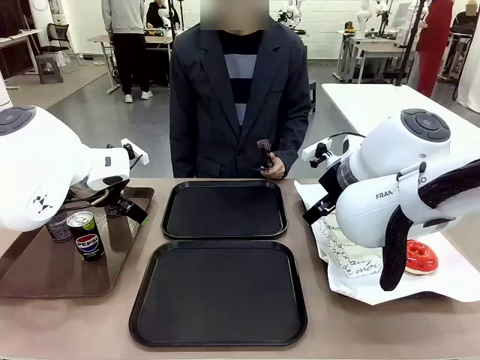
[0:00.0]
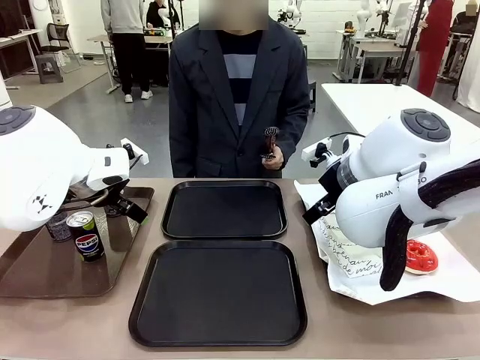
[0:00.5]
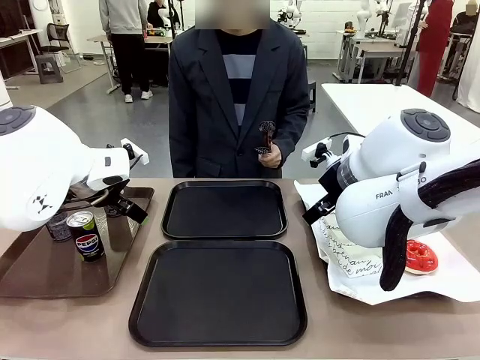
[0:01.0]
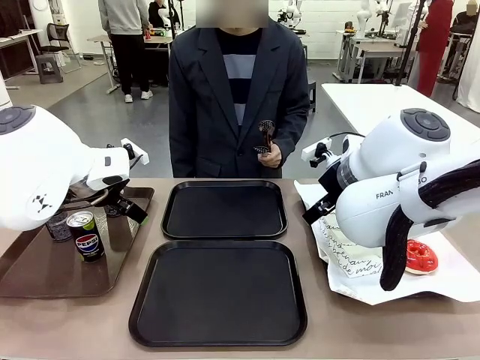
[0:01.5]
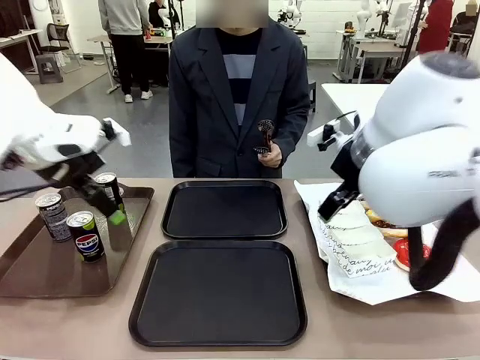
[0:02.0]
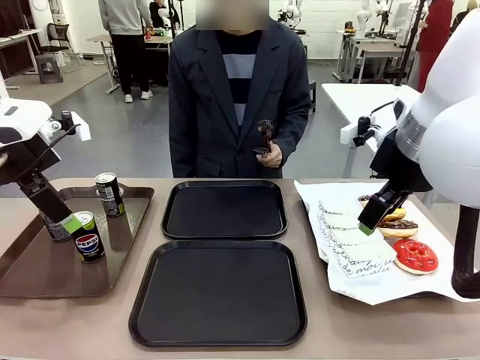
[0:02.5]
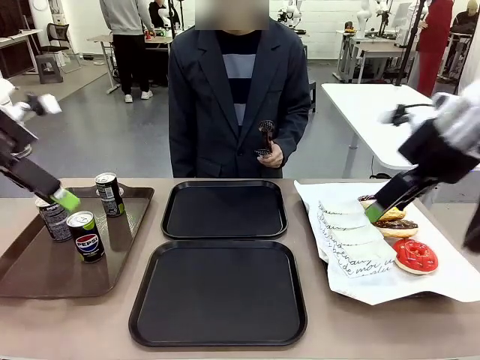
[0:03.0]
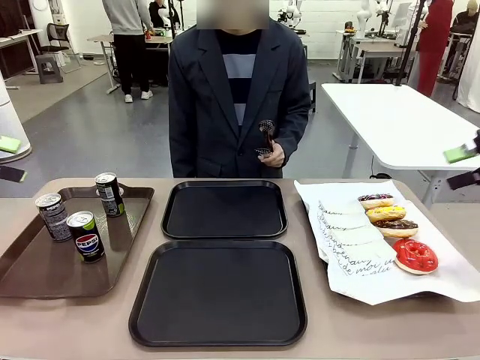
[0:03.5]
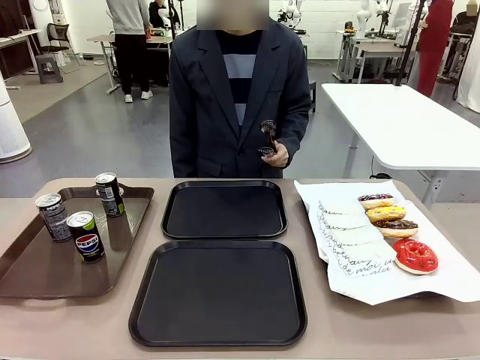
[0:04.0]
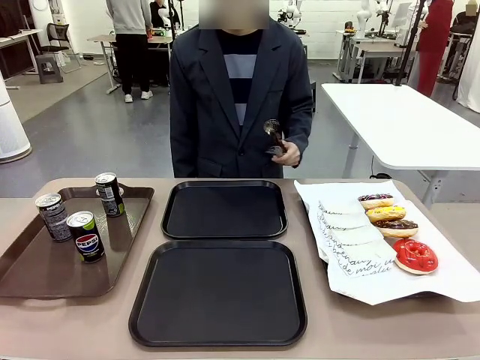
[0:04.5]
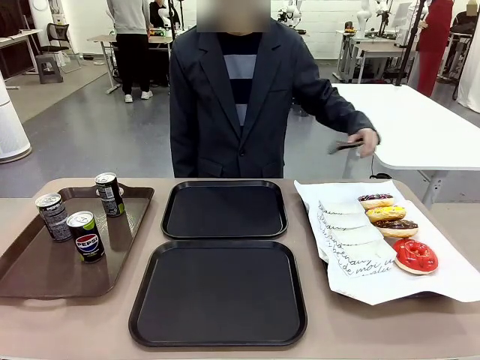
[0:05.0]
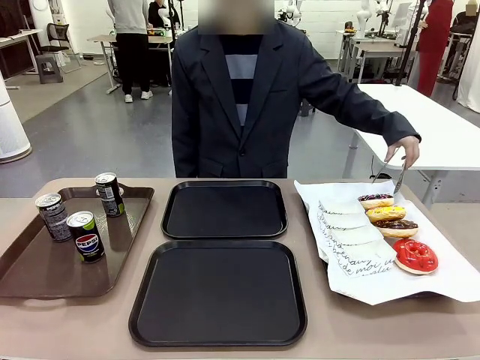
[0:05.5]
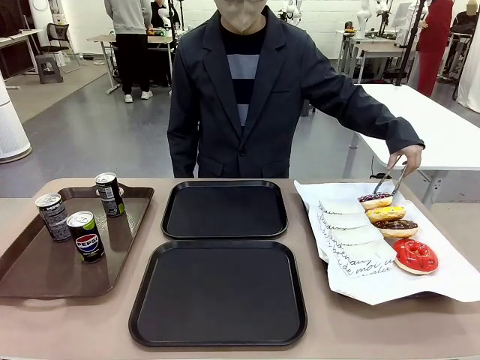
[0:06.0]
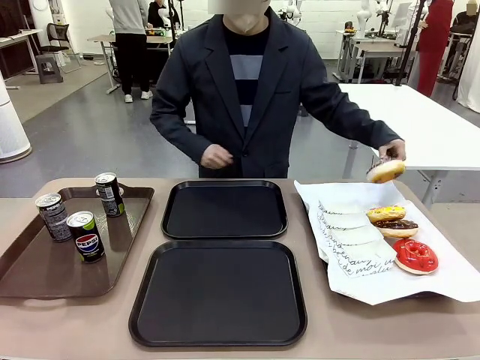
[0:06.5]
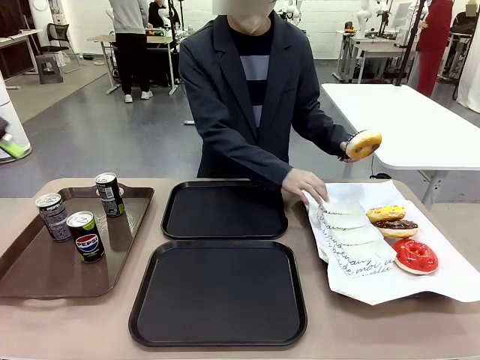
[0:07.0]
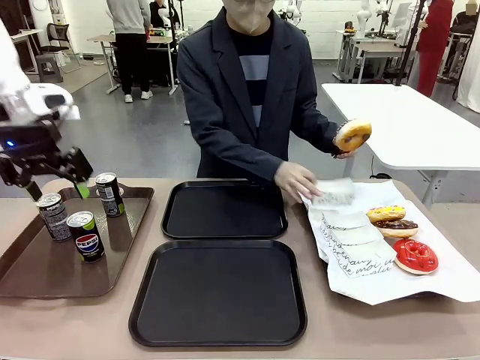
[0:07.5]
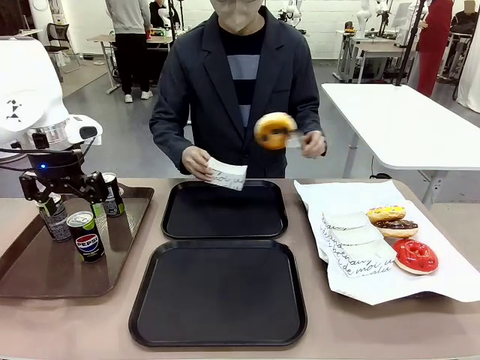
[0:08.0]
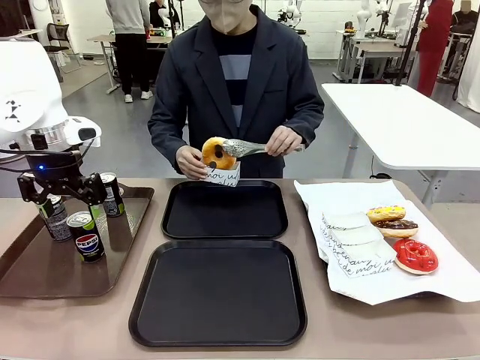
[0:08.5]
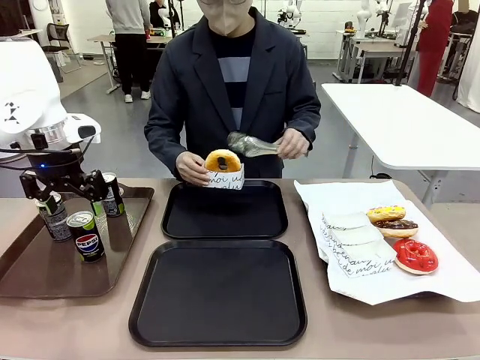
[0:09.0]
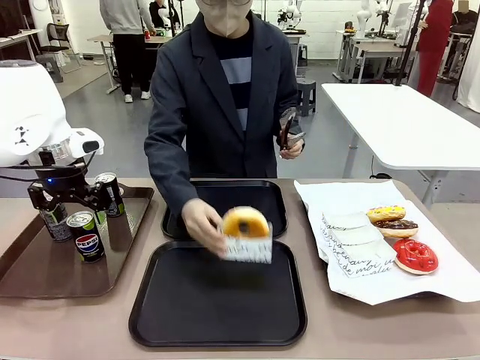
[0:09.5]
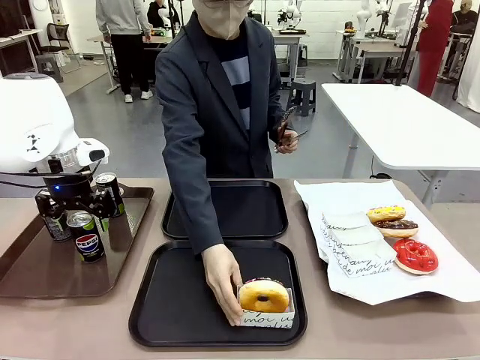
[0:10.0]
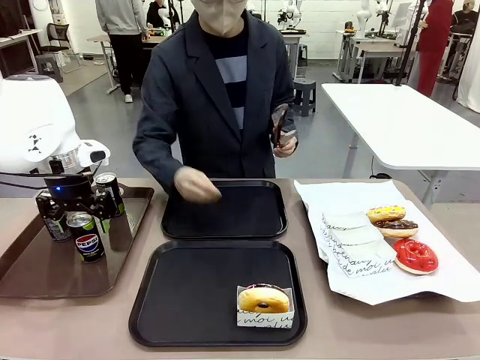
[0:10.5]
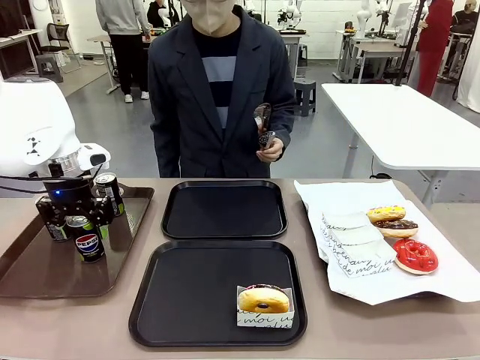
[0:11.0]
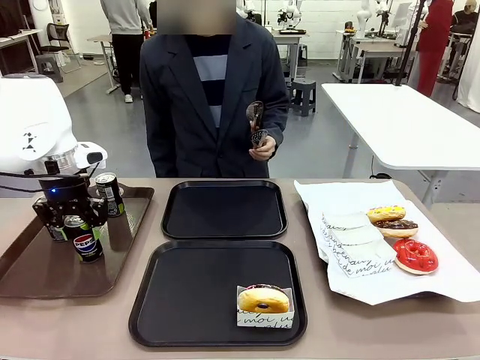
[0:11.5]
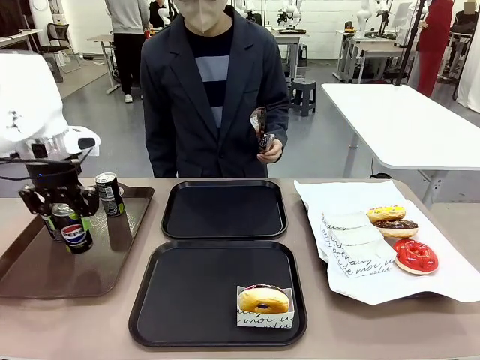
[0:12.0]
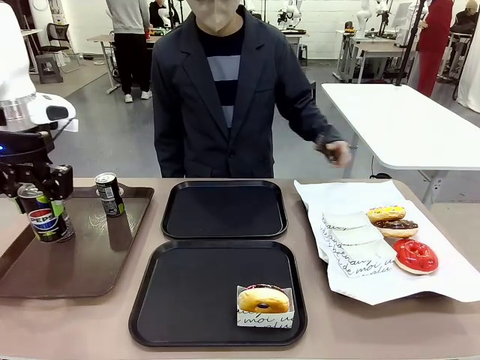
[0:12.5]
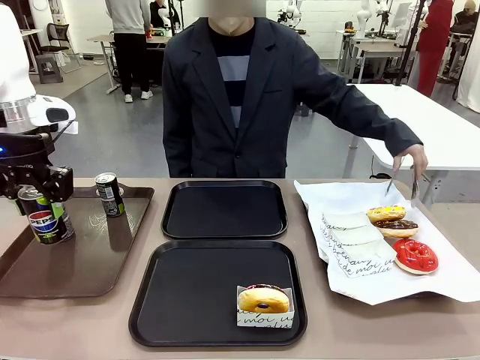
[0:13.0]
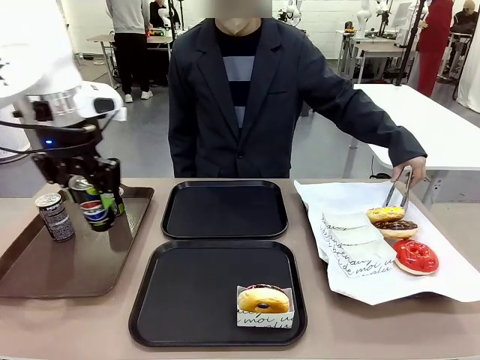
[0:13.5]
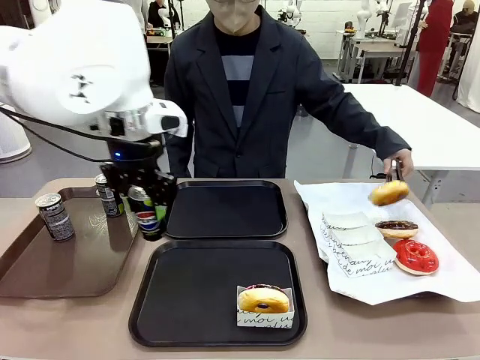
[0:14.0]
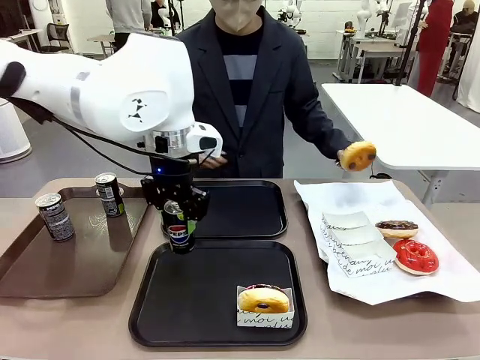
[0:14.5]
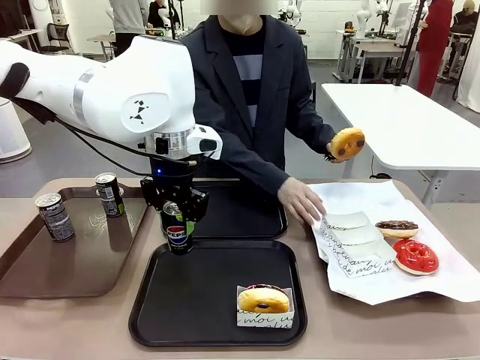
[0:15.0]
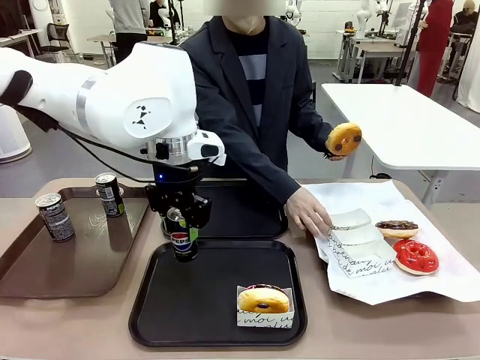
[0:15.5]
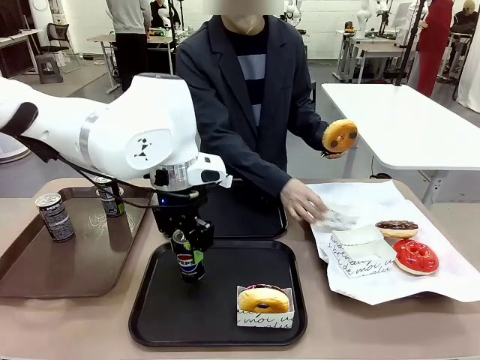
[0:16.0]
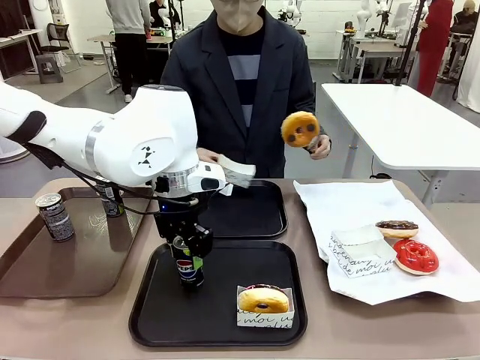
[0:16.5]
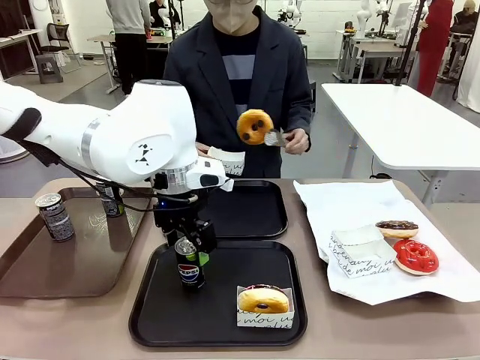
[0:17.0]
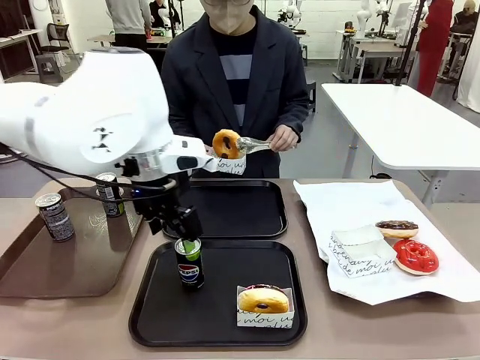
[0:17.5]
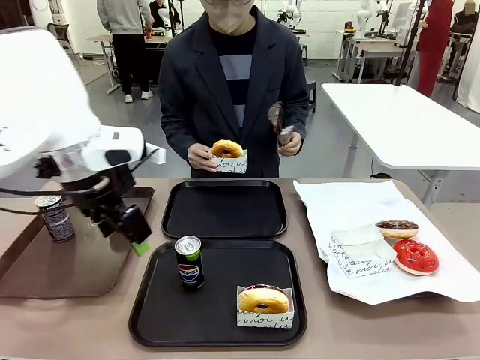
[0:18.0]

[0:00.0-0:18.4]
Task: Set up donuts and drinks on trays.
Robot: Pick up one Pepsi coke and place it on the Flat Tray.

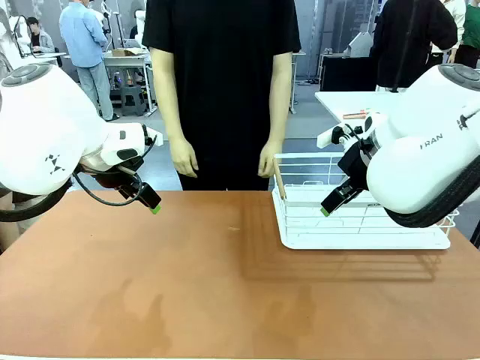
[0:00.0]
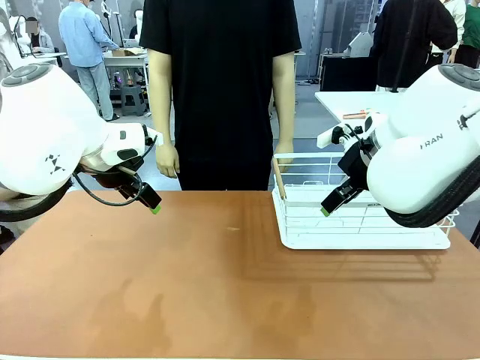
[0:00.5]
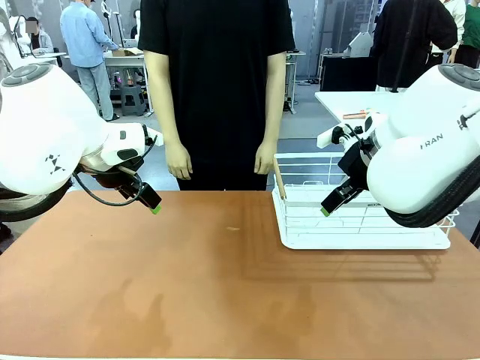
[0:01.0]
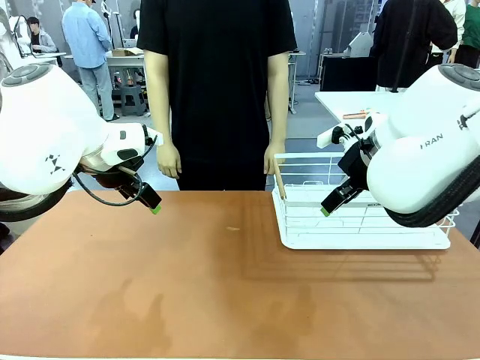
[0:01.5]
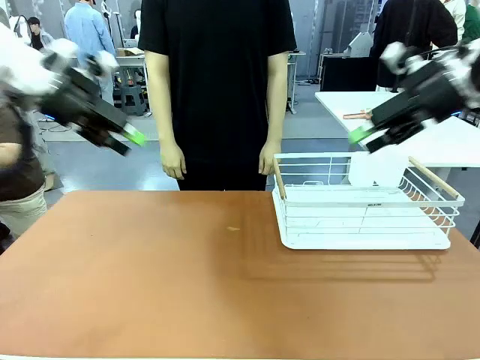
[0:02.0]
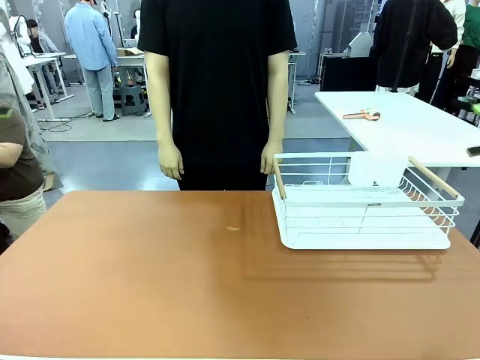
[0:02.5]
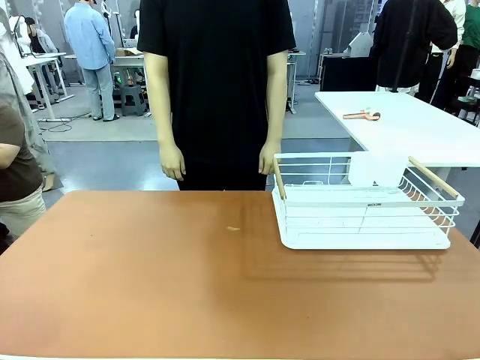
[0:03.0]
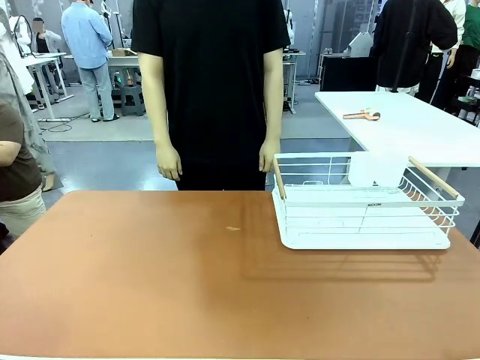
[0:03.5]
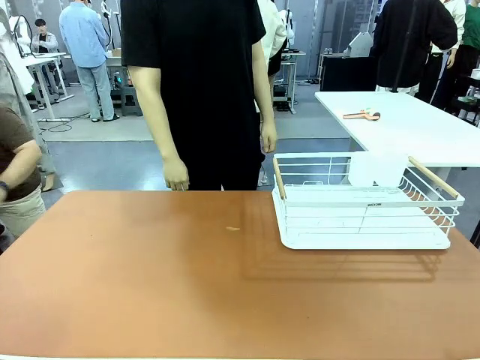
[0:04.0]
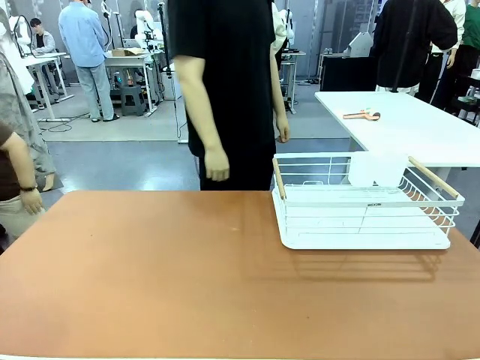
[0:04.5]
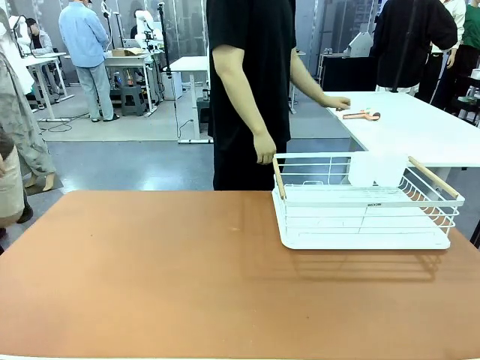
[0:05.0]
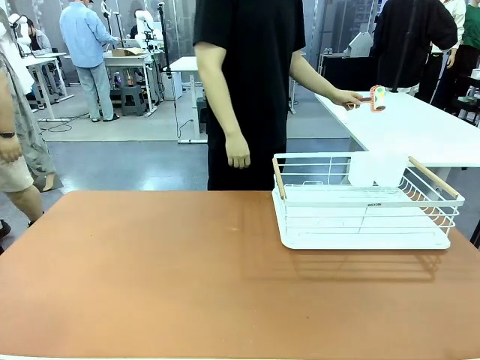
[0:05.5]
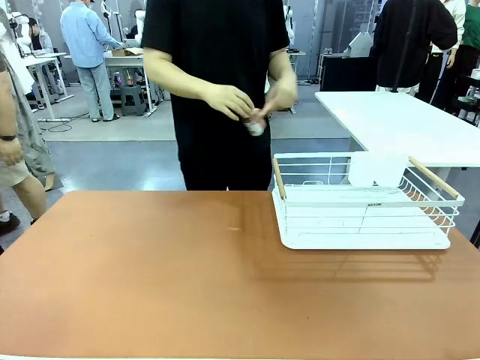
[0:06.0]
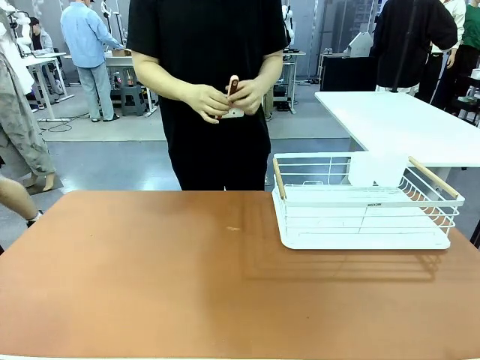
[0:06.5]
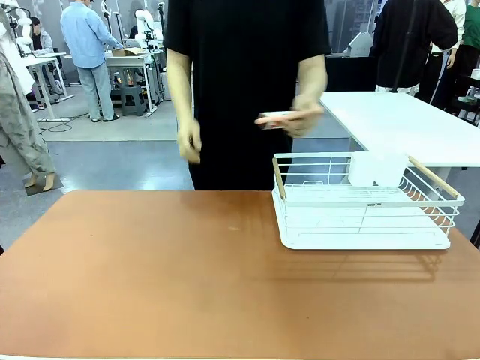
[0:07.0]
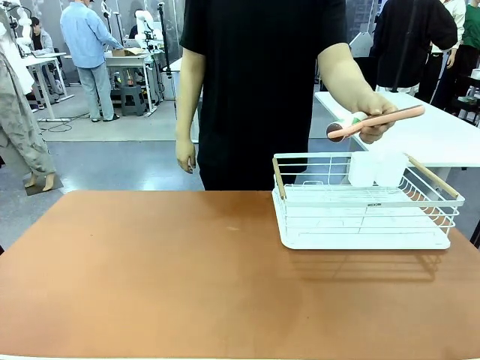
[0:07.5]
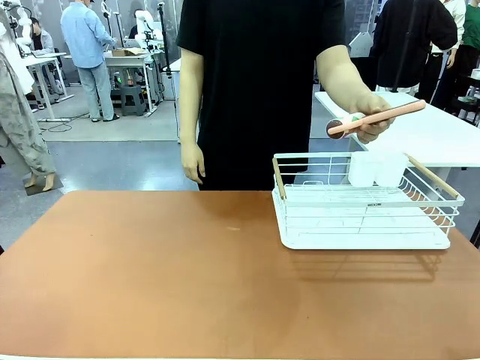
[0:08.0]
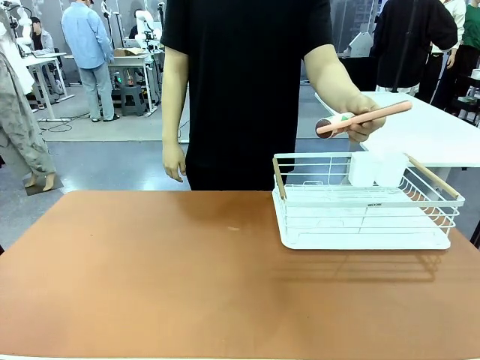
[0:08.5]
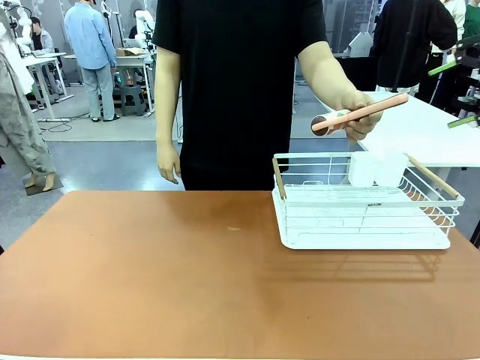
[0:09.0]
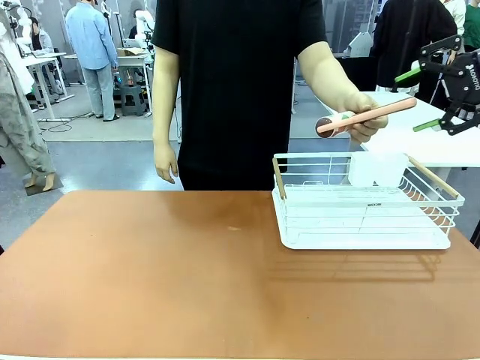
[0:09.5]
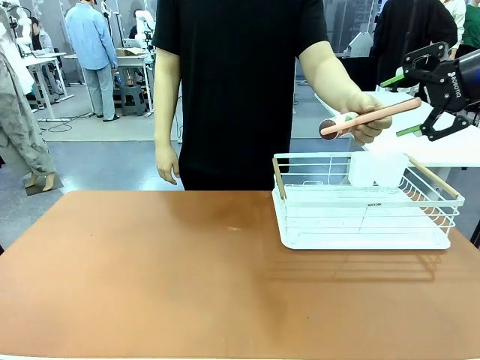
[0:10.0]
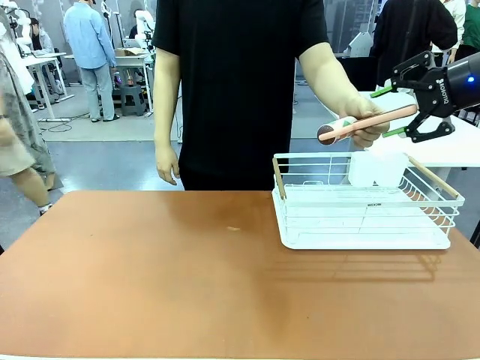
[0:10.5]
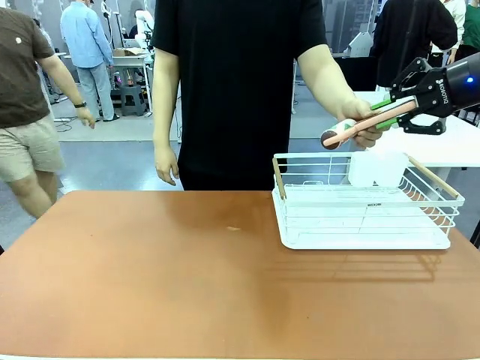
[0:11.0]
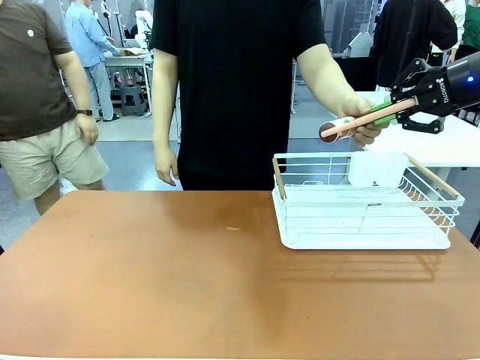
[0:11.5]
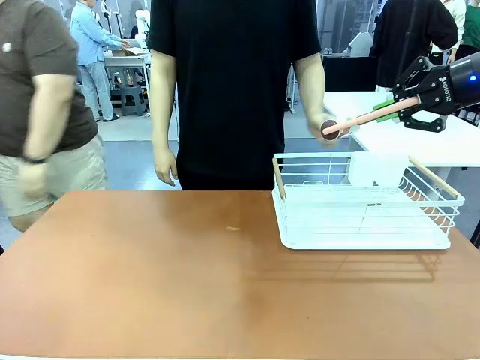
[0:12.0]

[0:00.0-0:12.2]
Task: Clean the table.
Robot: Pick up the Lint Roller when the human hands it over.
Person: Hand the Lint Roller to the robot so it can easily pick it up. Lift the Dish drying rack.
